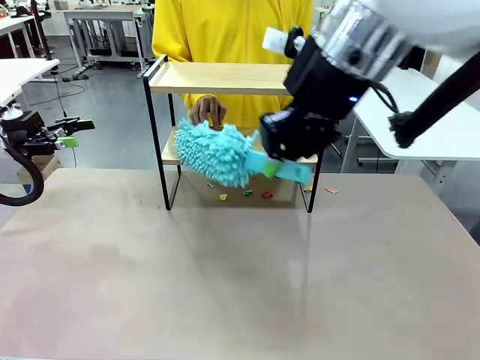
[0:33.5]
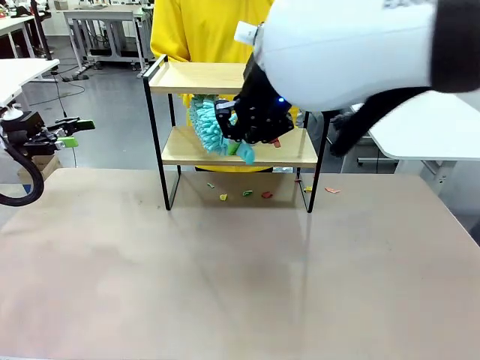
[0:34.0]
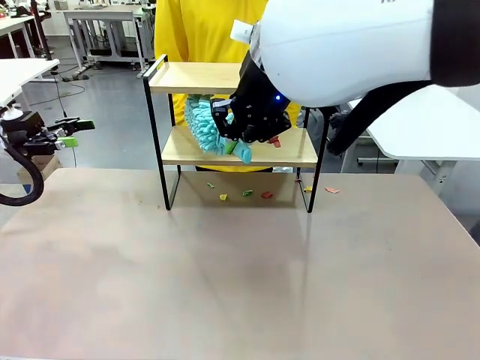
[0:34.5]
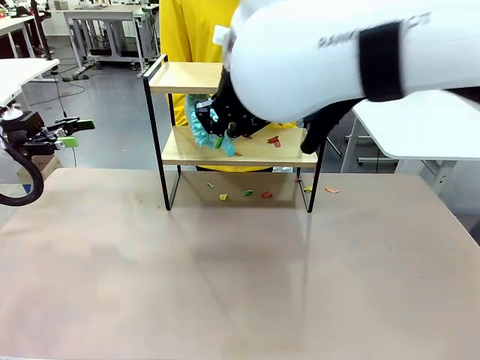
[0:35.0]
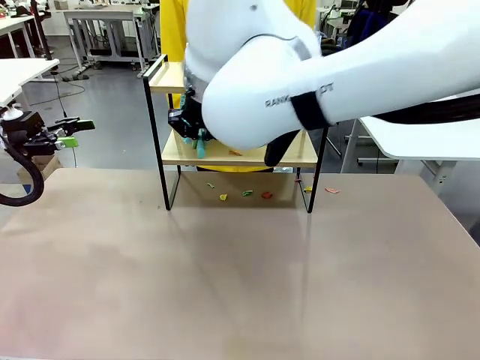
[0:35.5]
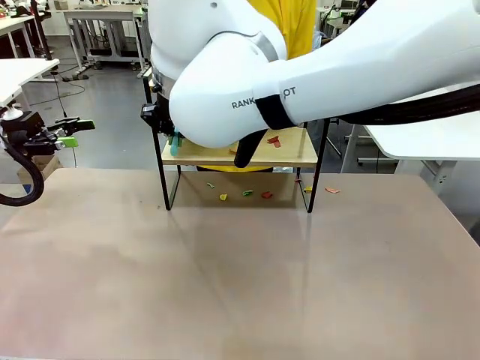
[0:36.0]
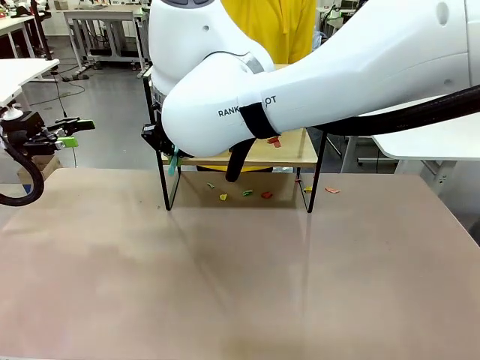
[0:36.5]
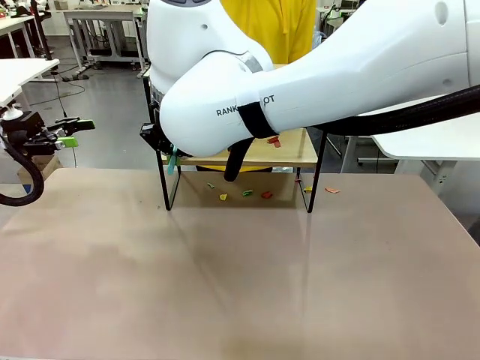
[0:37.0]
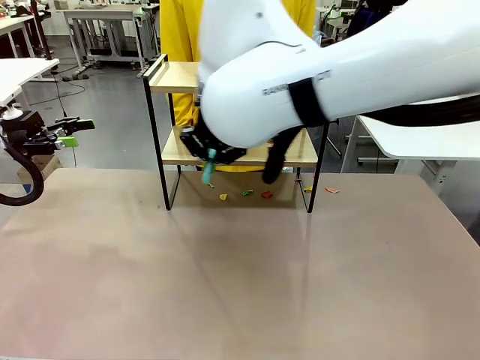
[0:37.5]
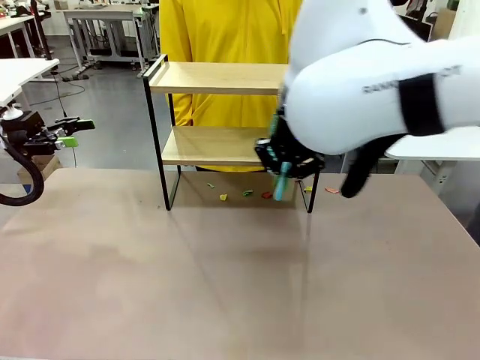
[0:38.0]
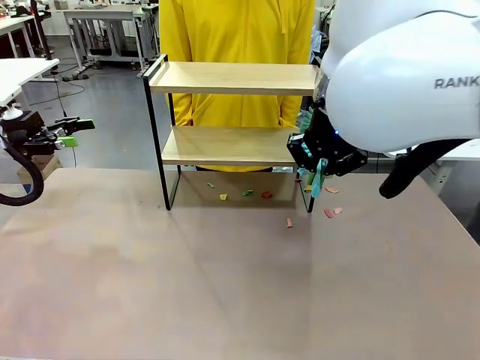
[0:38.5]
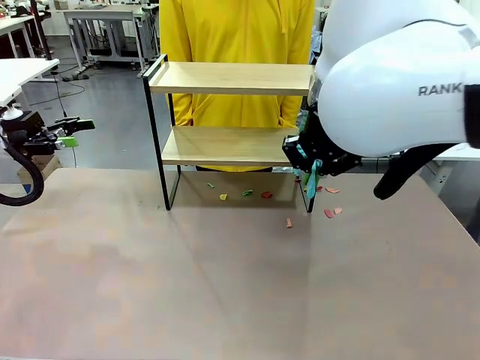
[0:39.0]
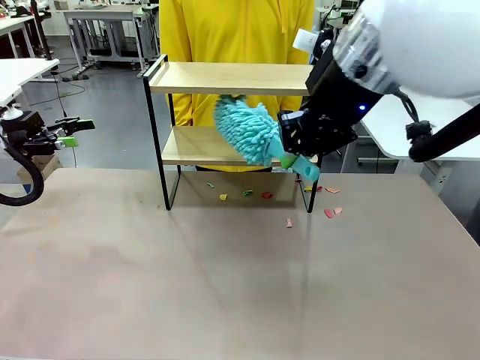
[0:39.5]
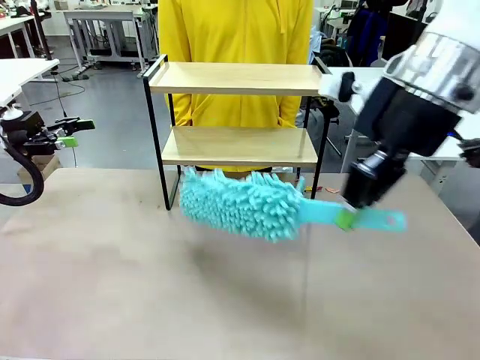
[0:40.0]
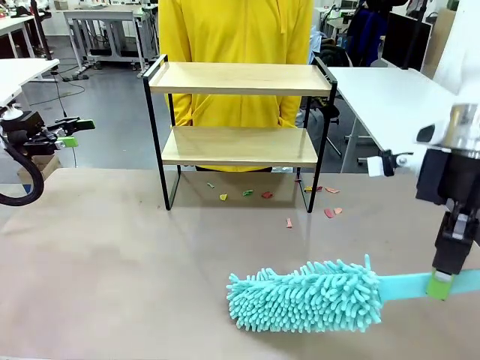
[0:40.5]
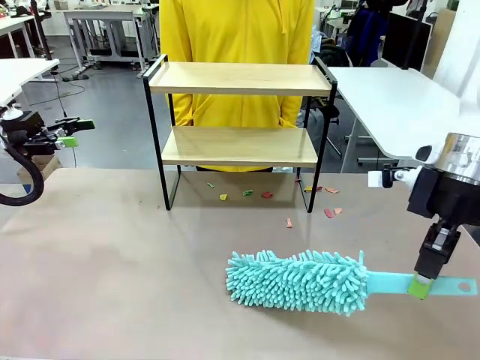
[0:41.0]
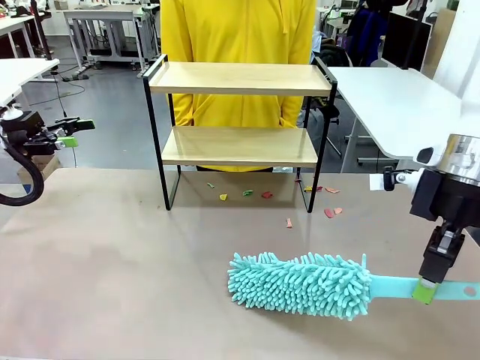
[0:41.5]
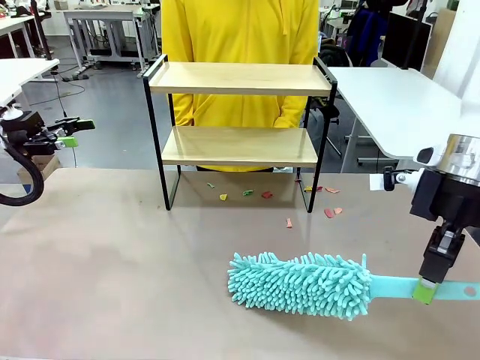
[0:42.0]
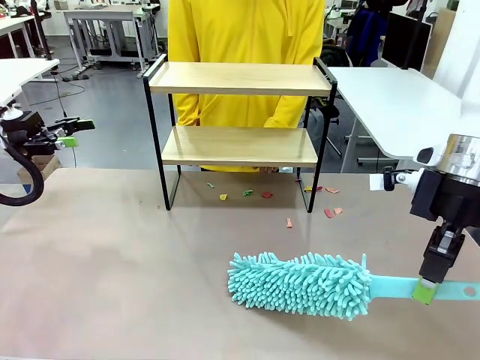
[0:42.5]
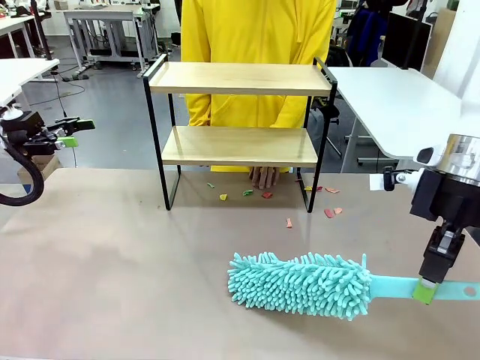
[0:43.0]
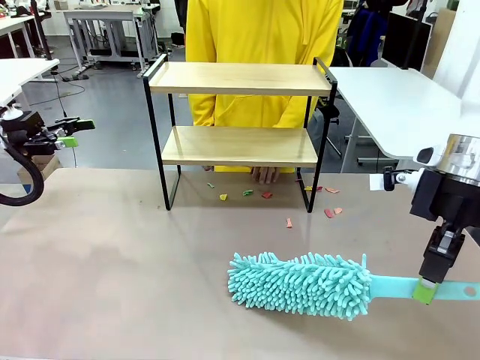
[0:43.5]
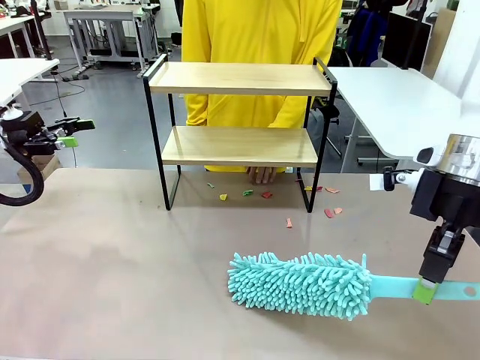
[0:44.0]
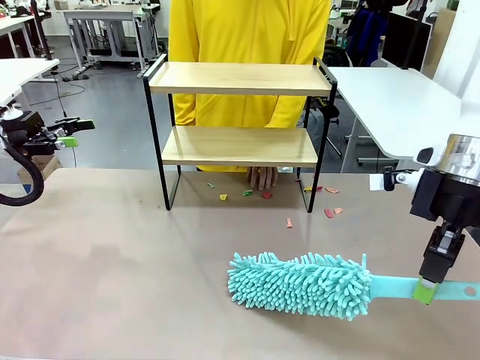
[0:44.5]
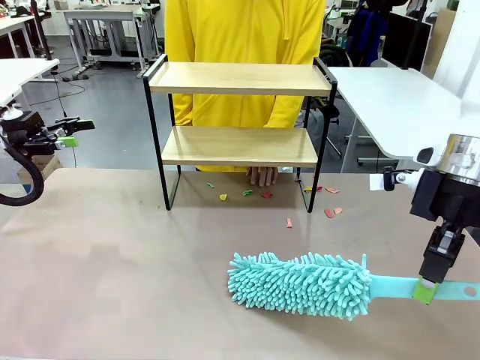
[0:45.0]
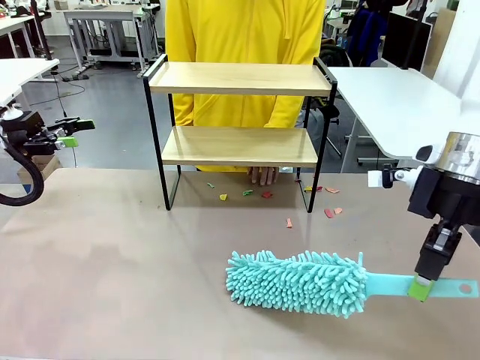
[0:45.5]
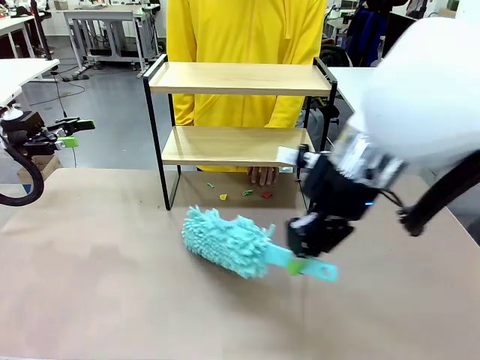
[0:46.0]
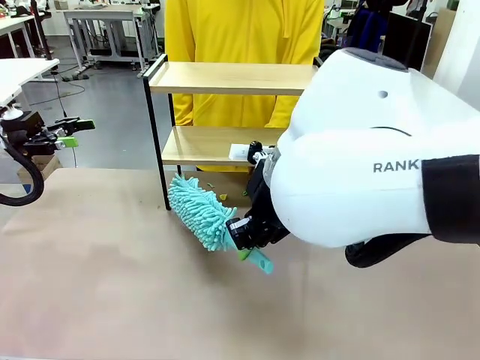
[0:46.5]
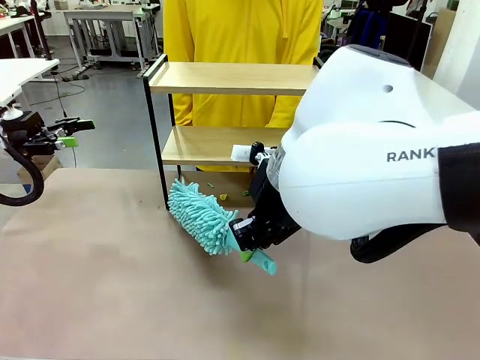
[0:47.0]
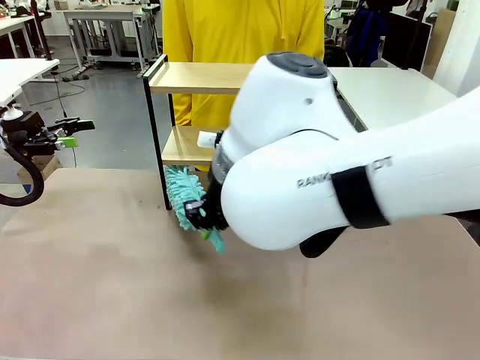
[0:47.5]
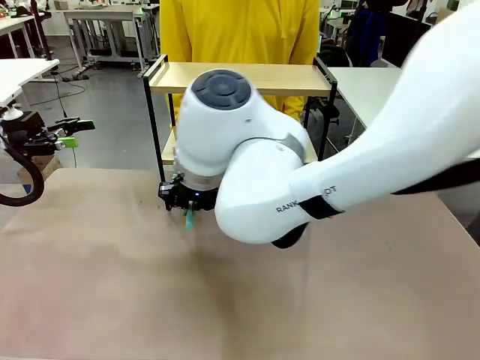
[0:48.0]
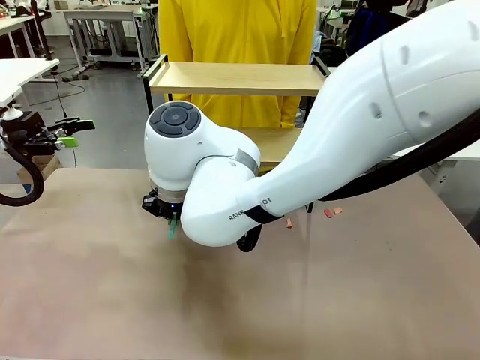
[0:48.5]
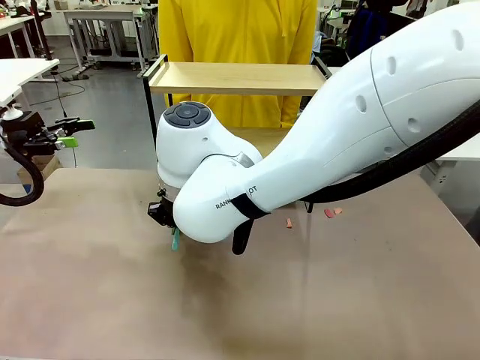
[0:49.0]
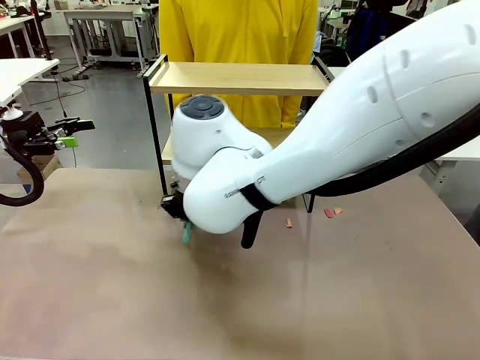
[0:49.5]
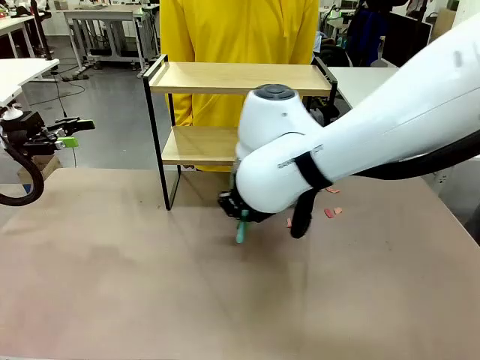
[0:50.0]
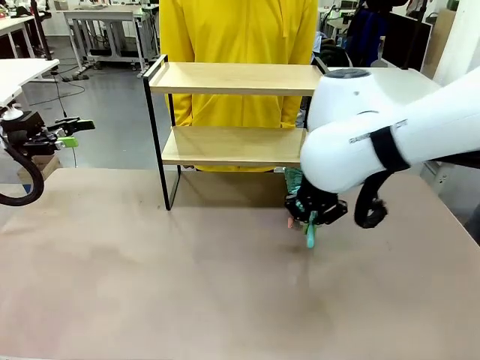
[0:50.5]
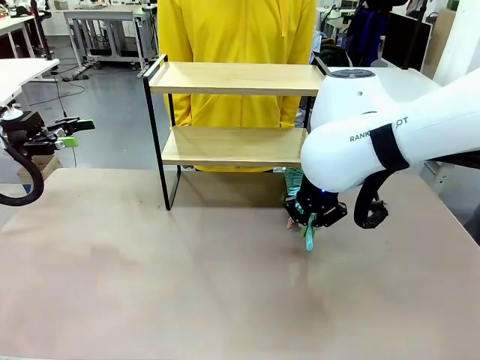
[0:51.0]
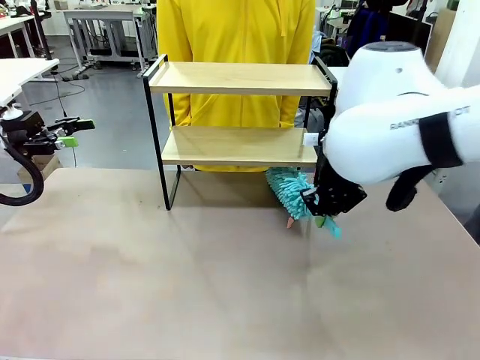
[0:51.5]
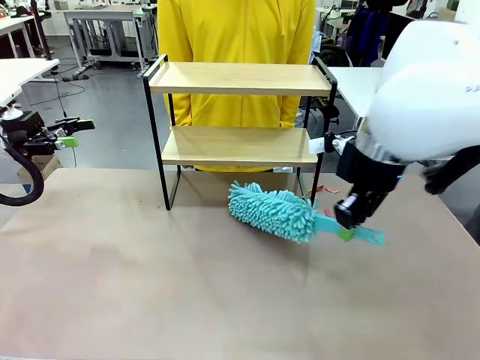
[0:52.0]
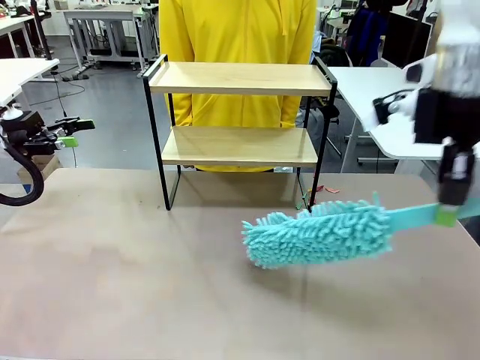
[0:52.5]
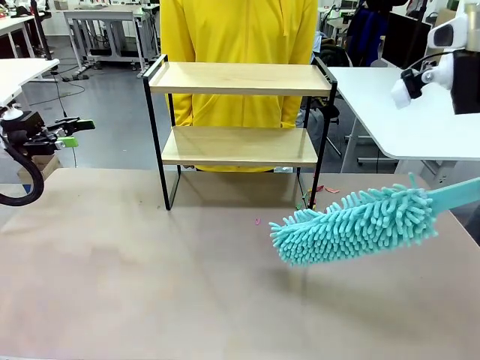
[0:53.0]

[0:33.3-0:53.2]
Task: Clean the shelf.
Robot: Clean the specific section of the Shelf indicated by the human with the Duster.
Person: Point a remaining section of the Shelf.

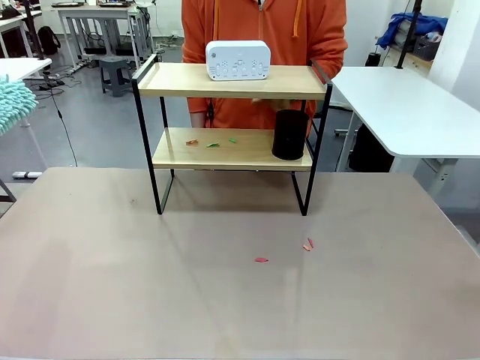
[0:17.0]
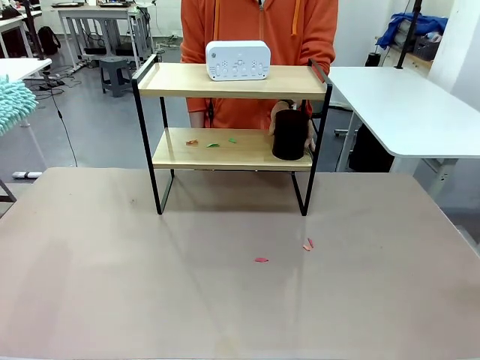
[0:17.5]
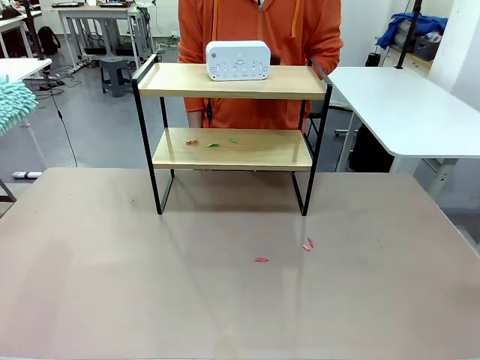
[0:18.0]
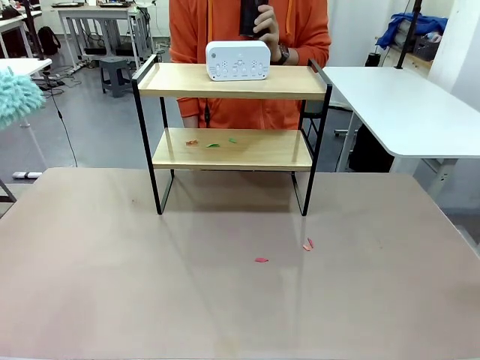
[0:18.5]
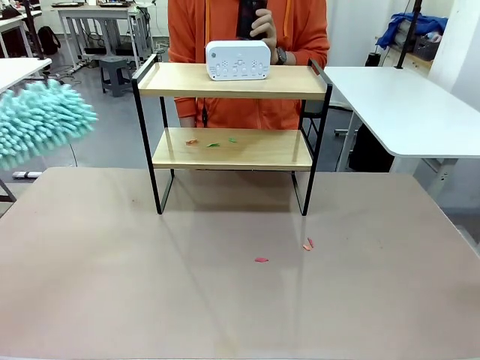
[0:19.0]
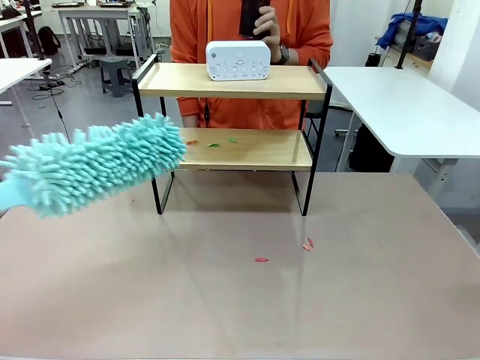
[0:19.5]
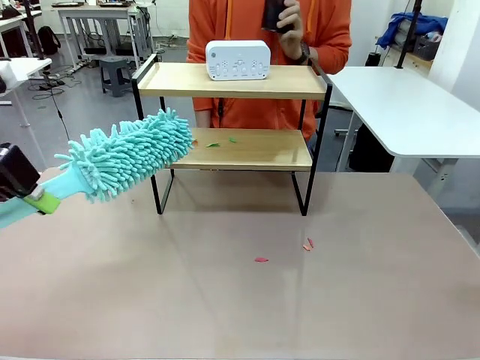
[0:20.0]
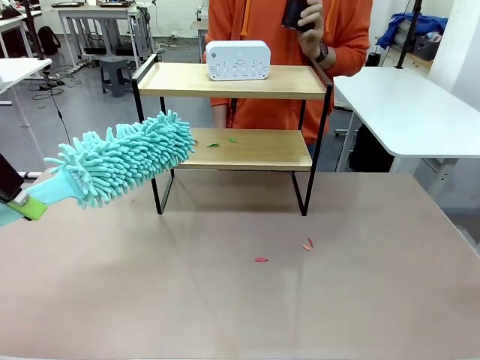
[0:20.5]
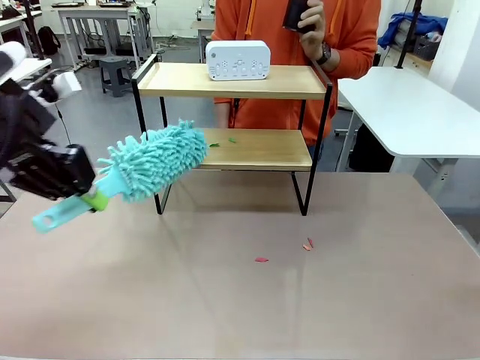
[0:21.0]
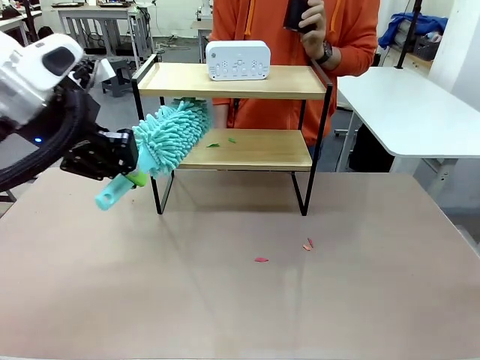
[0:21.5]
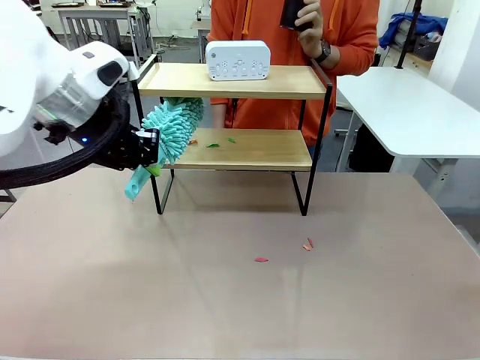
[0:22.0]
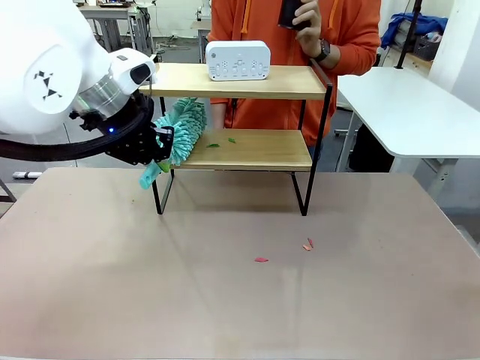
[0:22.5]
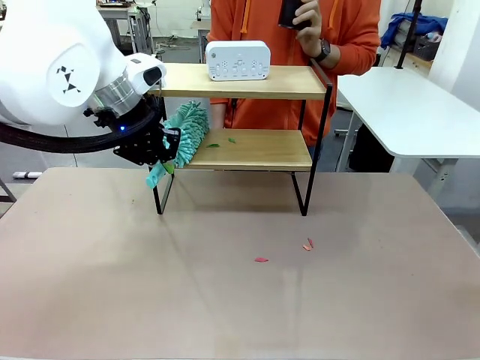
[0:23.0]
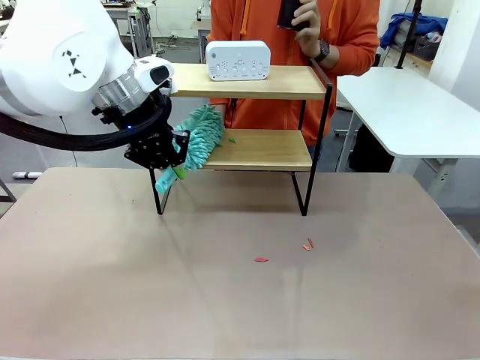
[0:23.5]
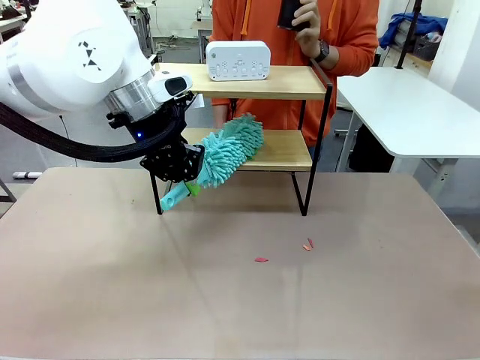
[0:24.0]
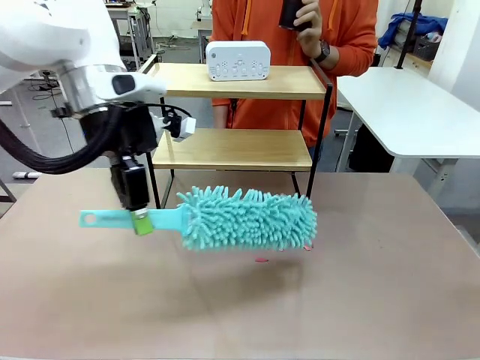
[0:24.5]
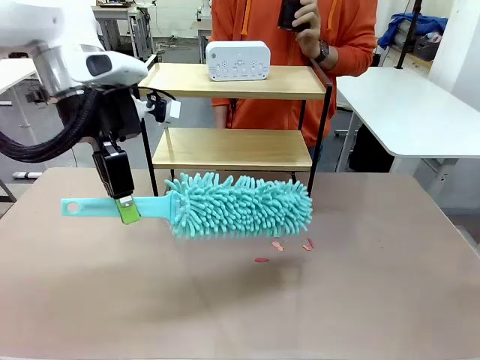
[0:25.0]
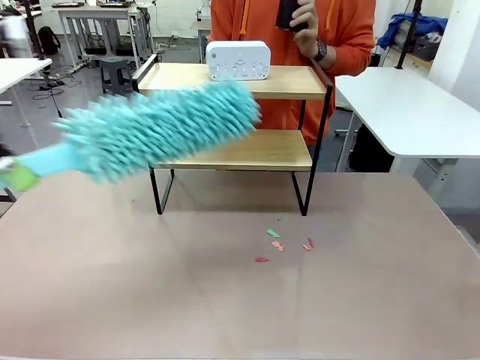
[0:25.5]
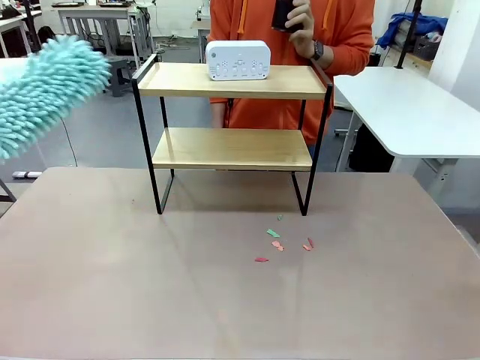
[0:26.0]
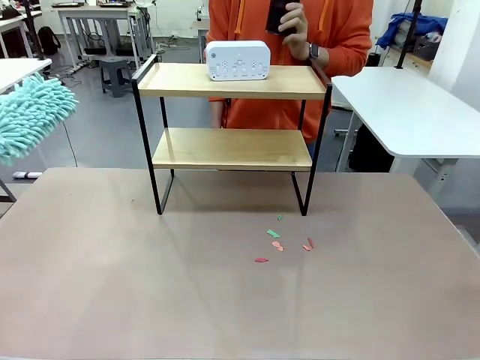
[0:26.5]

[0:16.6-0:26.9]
Task: Clean the shelf.
Robot: Clean the remaining tier of the Shelf with the Duster once objects are removed.
